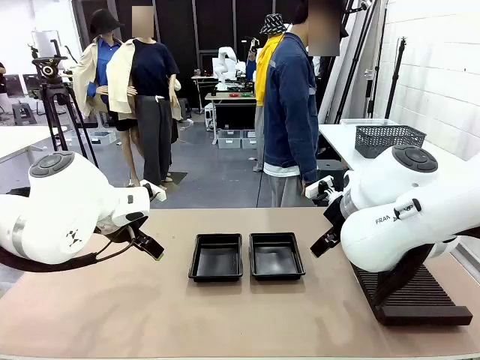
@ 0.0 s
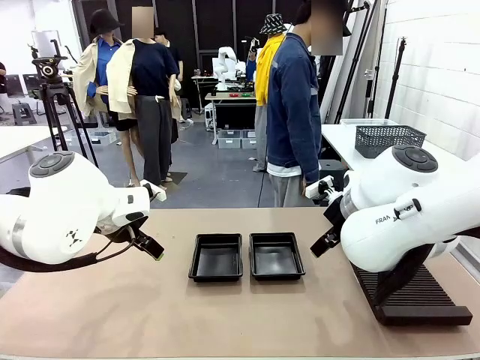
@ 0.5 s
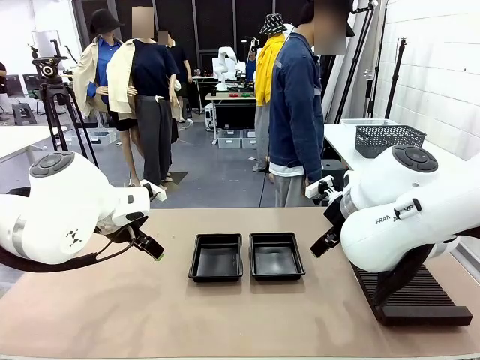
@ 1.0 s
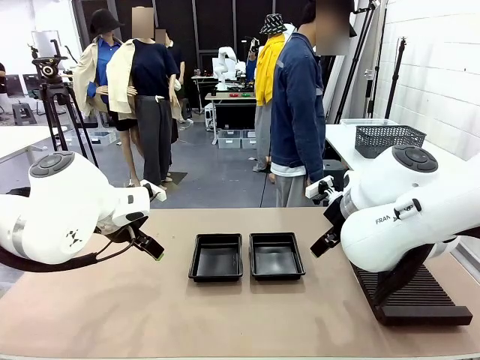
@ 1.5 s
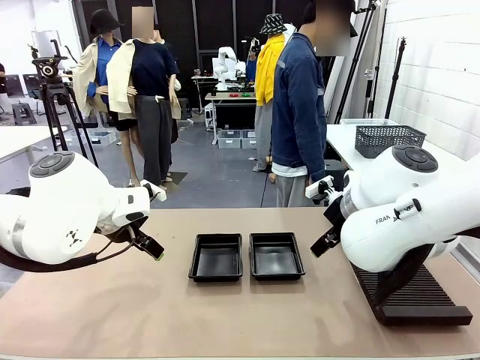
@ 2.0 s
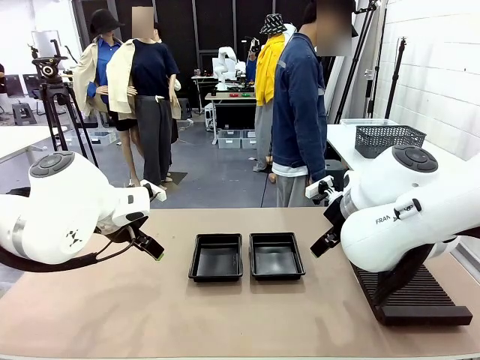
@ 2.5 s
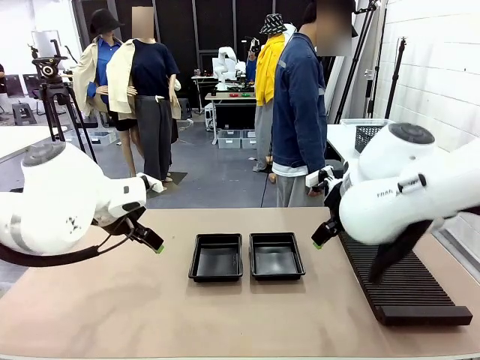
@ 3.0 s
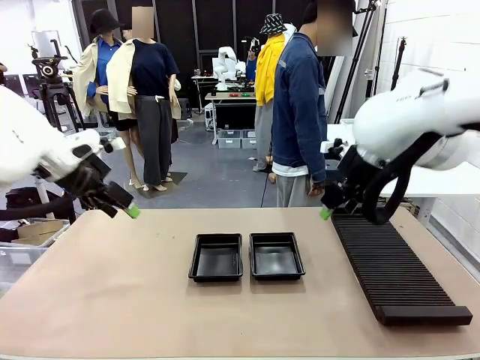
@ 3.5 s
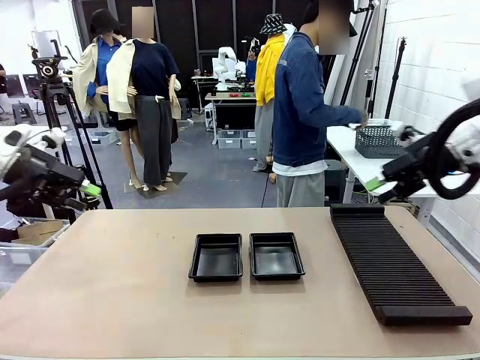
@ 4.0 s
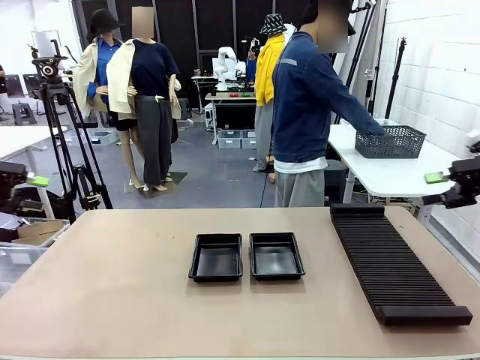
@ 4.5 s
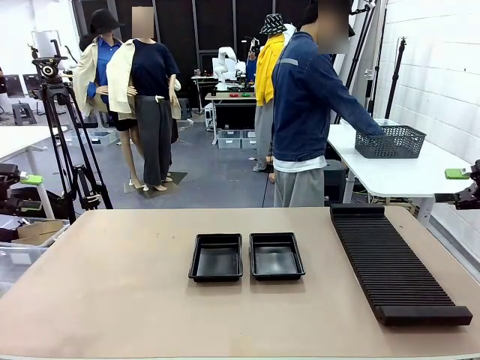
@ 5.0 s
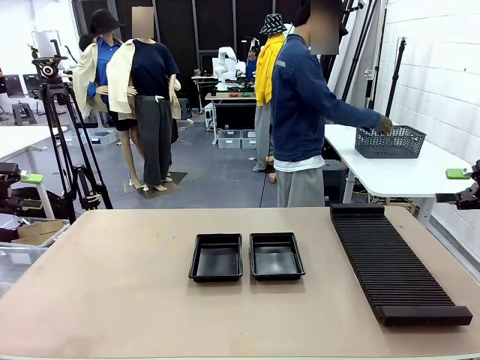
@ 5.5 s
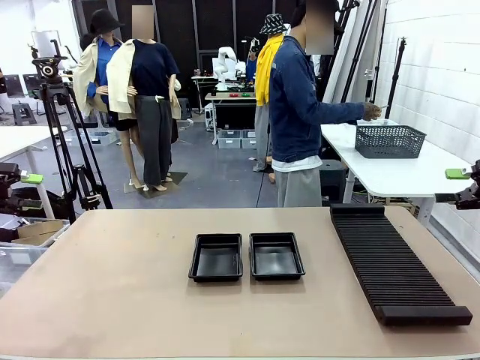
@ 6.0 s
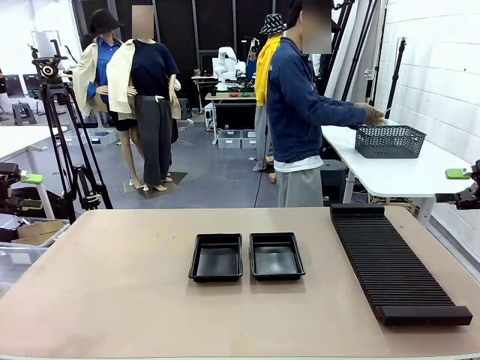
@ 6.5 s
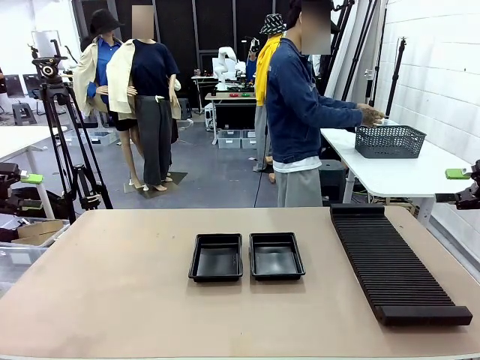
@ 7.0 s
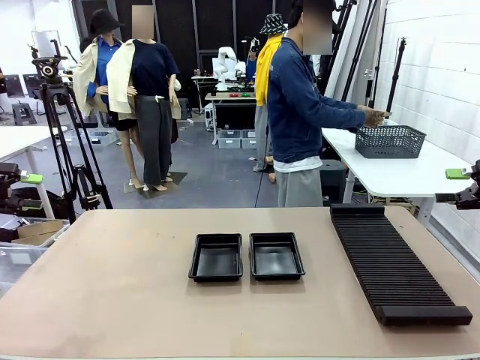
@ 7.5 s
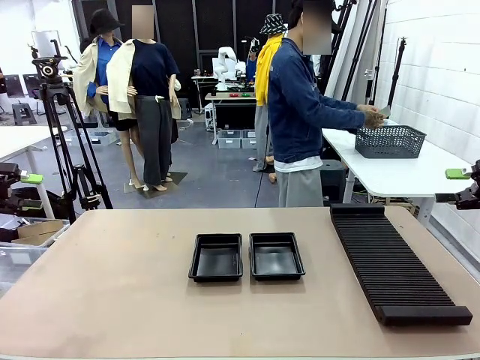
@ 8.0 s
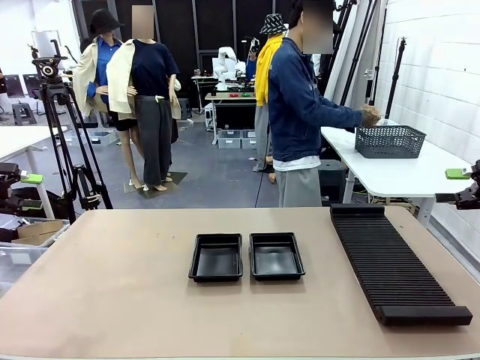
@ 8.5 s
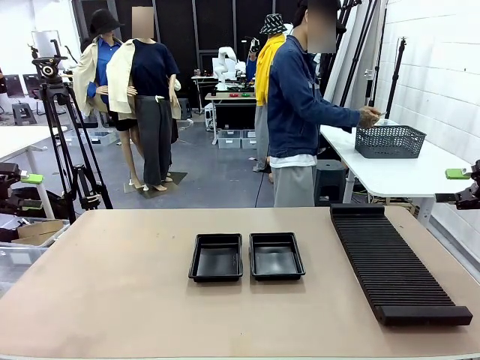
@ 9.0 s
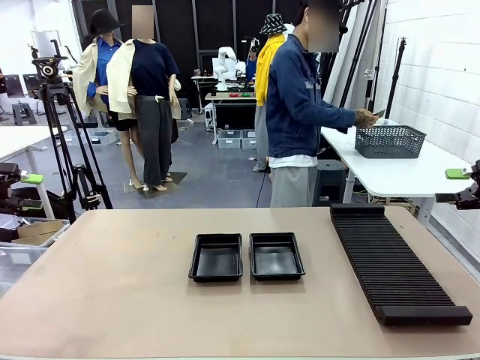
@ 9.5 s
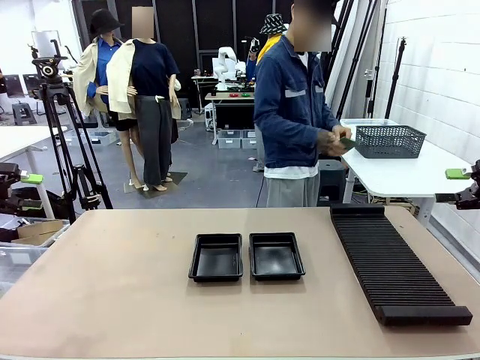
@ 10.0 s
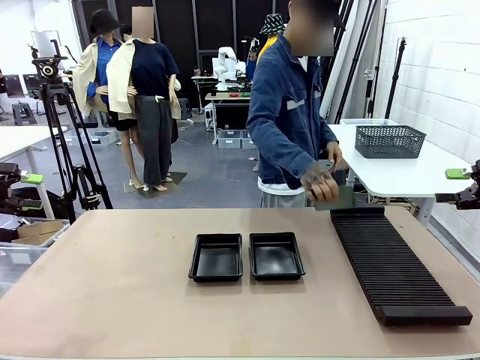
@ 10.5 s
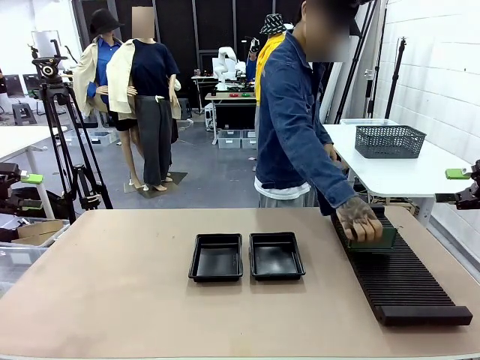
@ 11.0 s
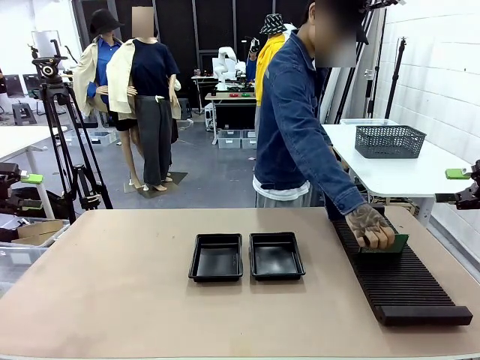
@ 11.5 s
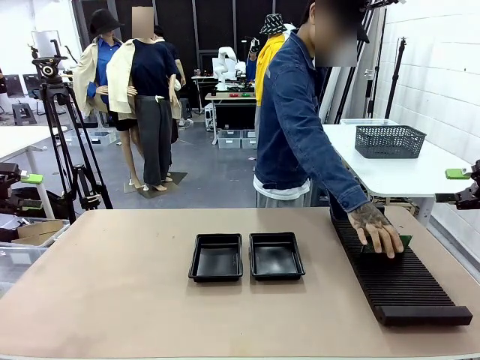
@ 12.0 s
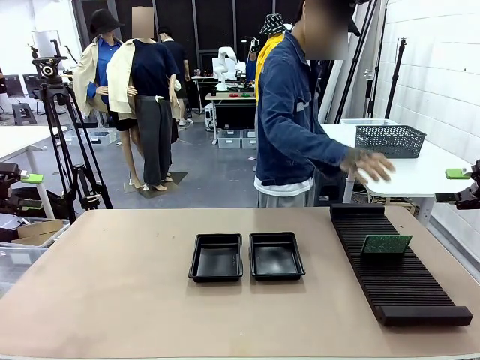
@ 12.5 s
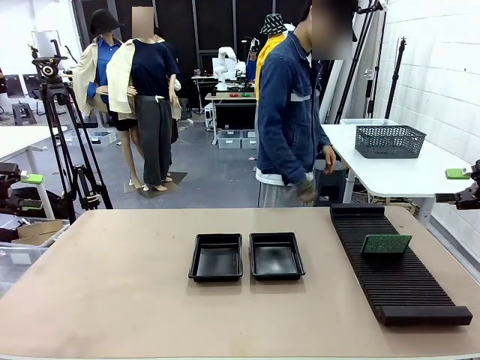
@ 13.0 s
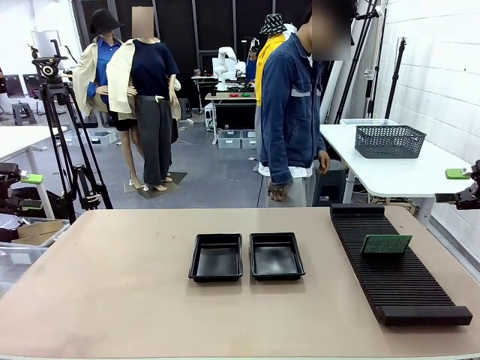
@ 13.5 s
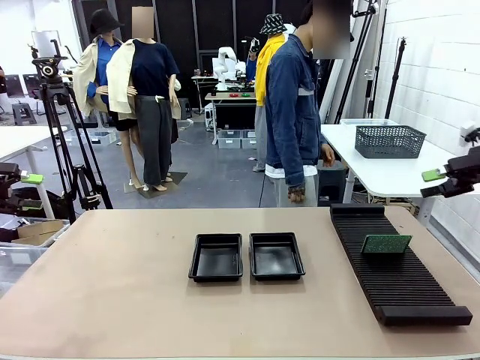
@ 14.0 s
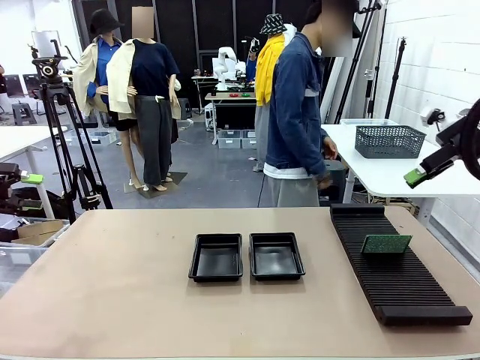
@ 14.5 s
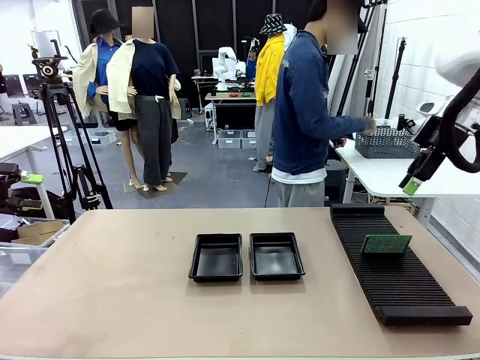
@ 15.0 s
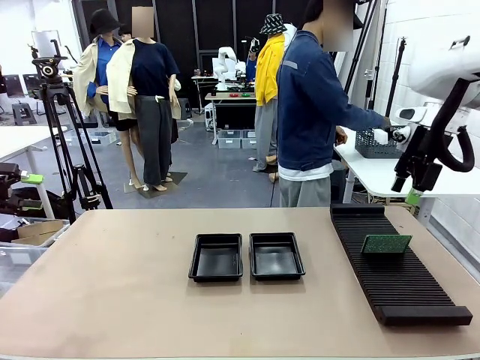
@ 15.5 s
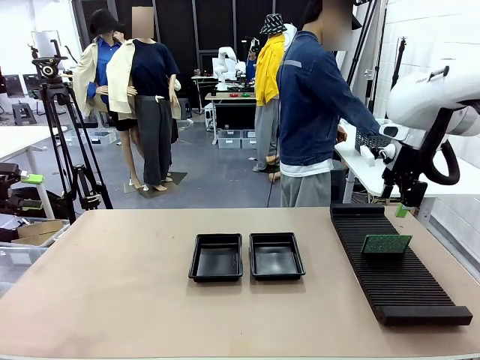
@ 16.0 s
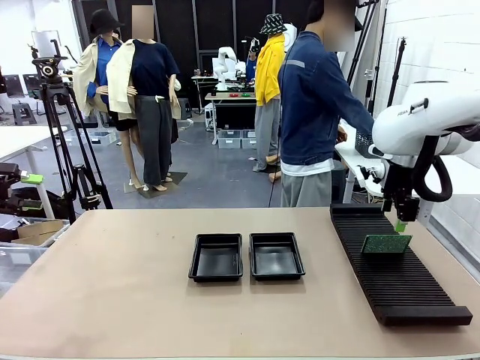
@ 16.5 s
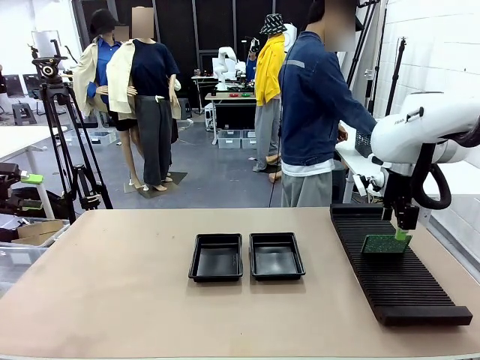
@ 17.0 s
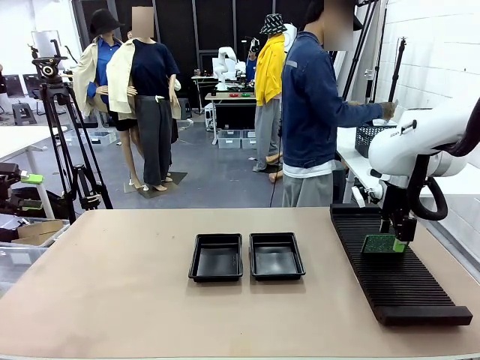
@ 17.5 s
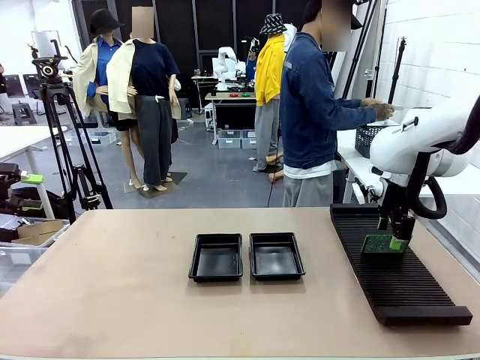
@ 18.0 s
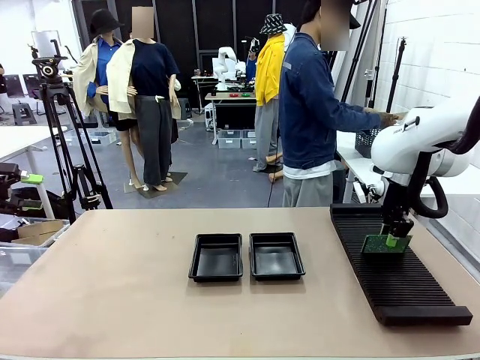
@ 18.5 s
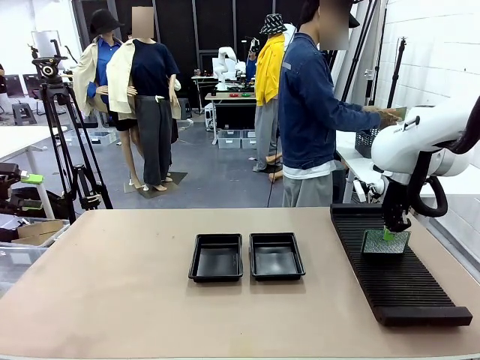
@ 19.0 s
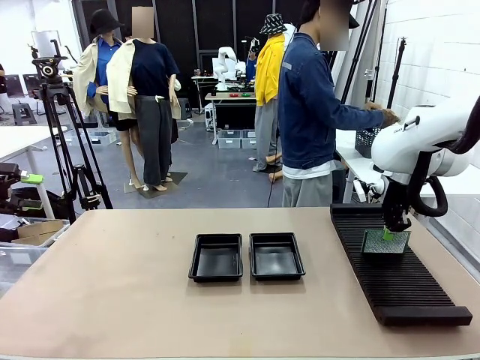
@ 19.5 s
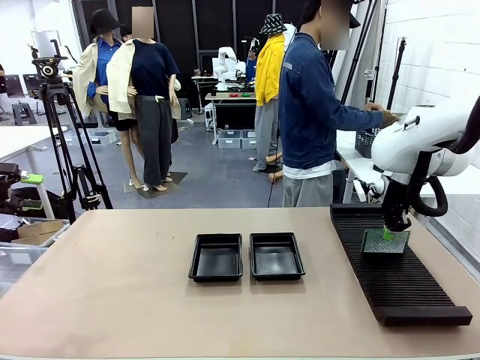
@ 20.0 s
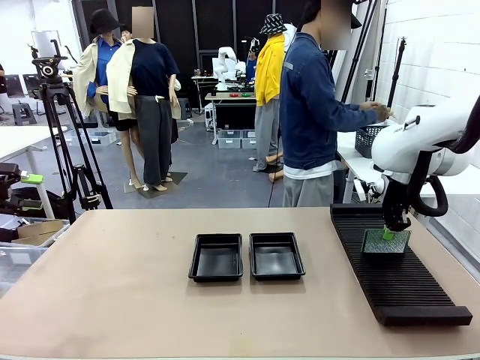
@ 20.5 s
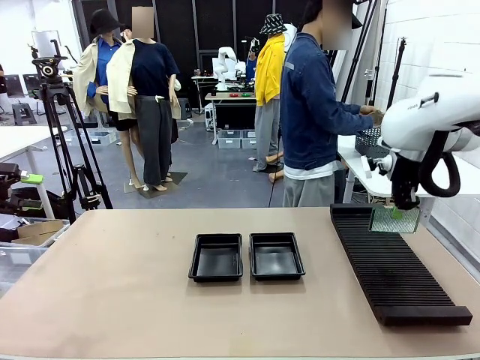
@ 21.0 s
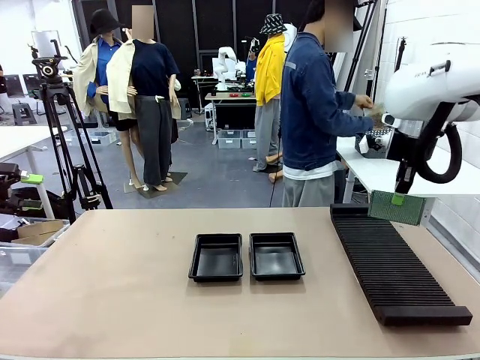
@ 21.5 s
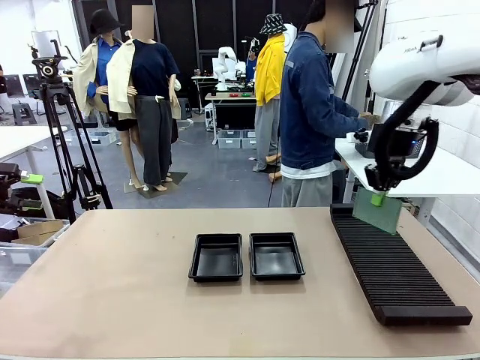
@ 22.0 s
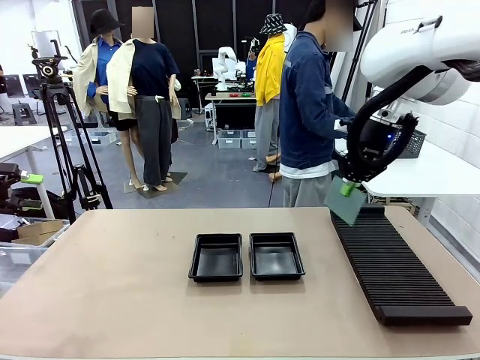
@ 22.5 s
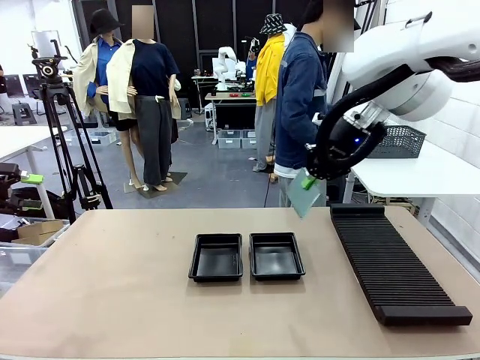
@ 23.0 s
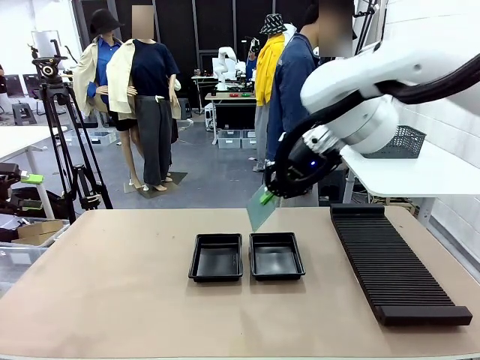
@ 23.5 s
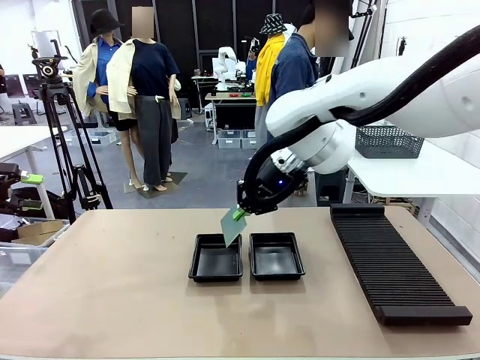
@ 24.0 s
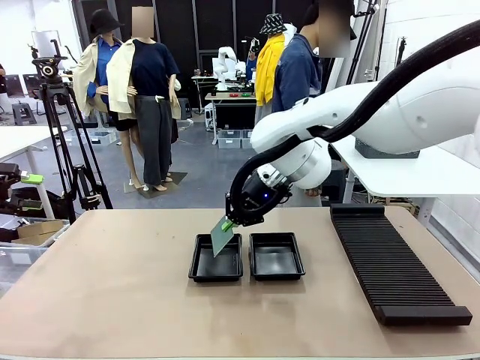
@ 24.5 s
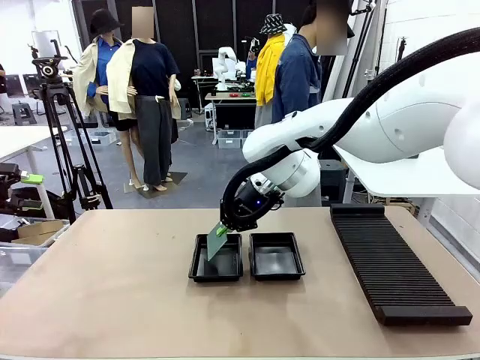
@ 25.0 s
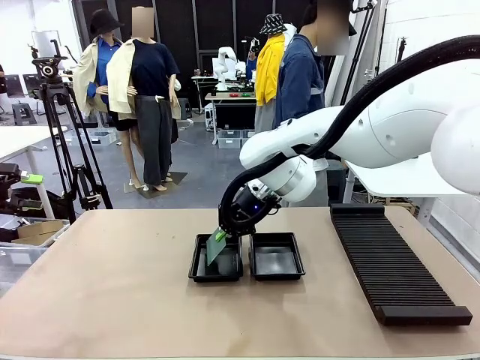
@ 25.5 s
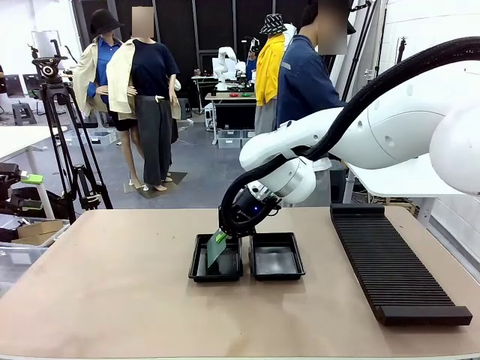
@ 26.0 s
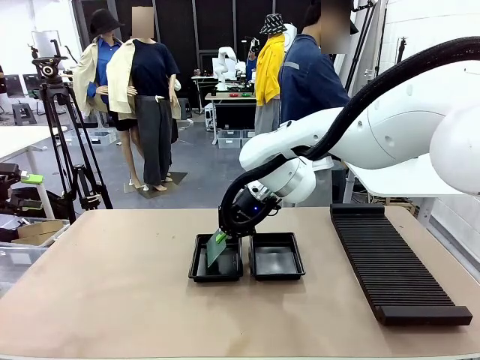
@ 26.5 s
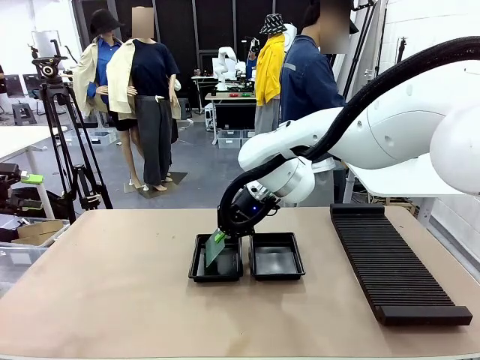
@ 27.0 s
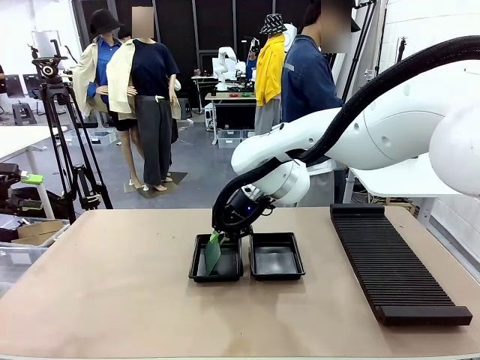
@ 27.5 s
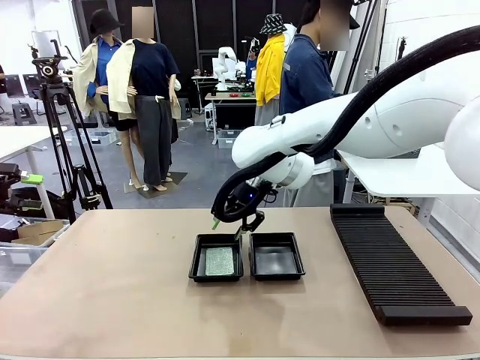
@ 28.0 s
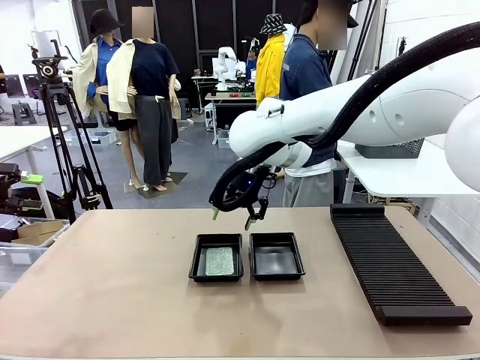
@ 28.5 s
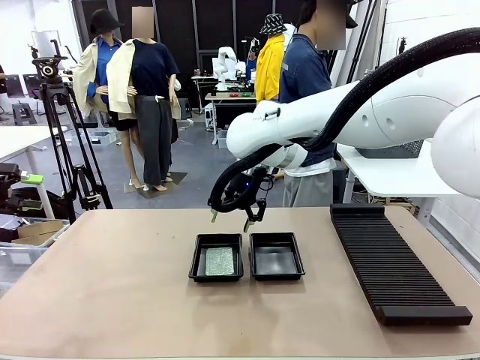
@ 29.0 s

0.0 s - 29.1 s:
Task: Inspect and transfer BCBs to ESD trays.
Robot: Pick up the Blank PCB from the PCB Rack and place it in the left ESD tray.
